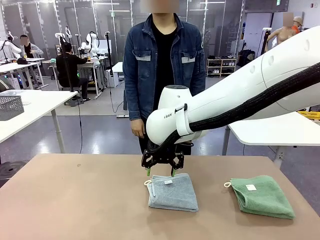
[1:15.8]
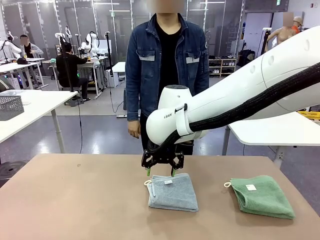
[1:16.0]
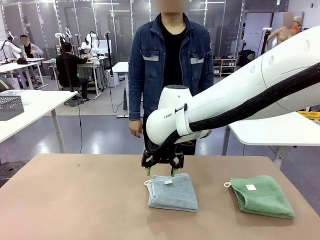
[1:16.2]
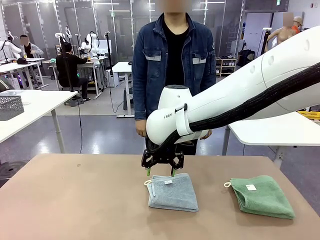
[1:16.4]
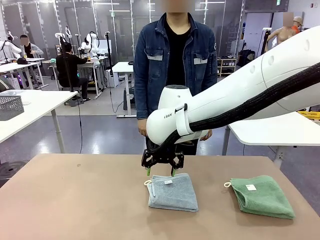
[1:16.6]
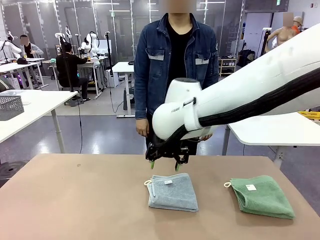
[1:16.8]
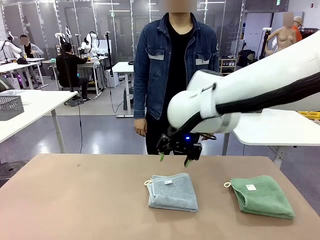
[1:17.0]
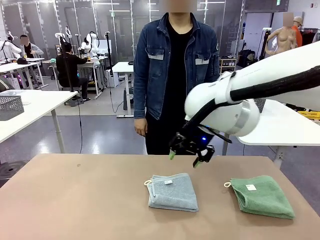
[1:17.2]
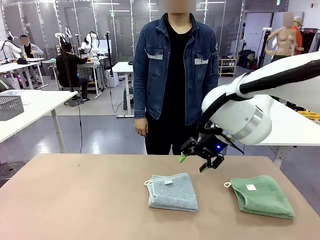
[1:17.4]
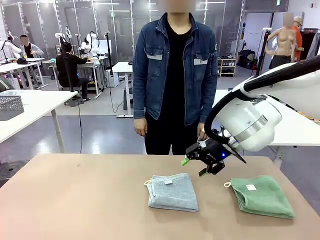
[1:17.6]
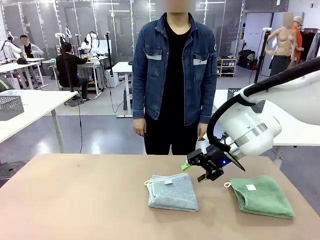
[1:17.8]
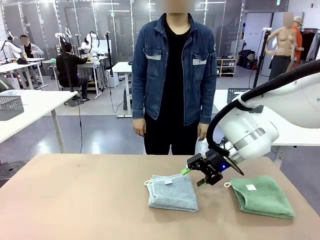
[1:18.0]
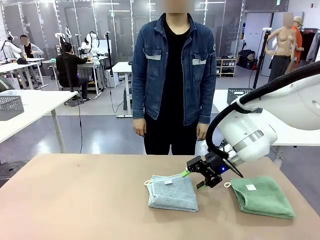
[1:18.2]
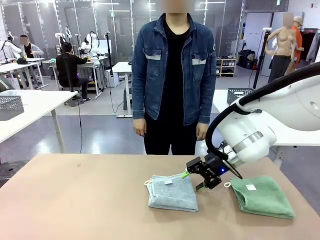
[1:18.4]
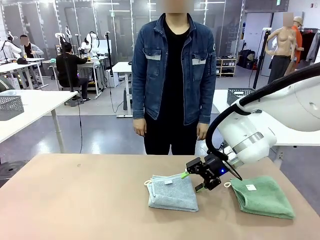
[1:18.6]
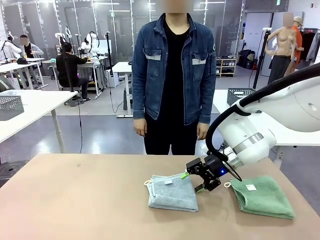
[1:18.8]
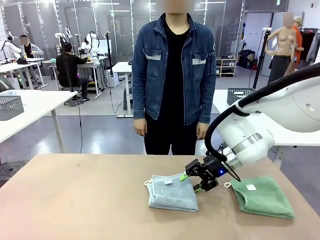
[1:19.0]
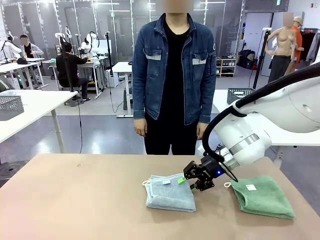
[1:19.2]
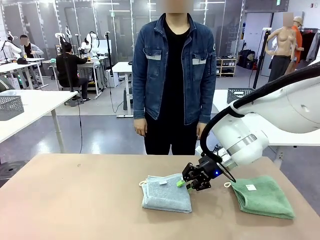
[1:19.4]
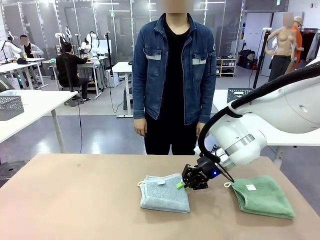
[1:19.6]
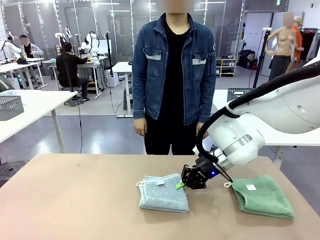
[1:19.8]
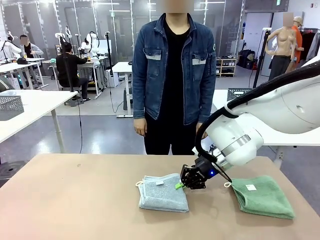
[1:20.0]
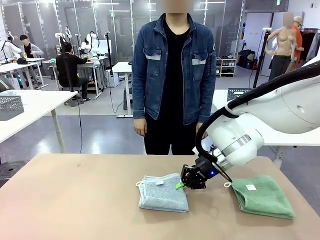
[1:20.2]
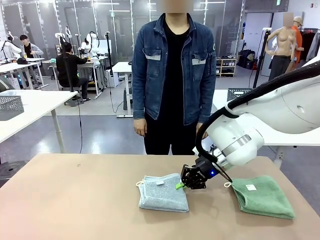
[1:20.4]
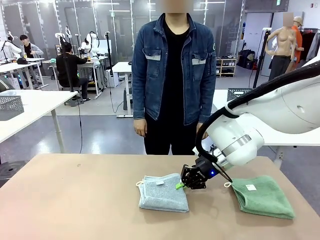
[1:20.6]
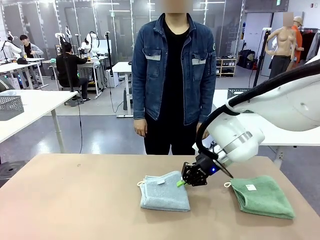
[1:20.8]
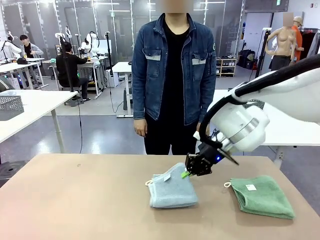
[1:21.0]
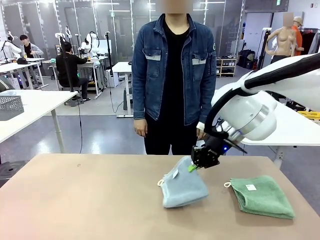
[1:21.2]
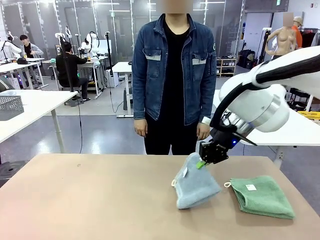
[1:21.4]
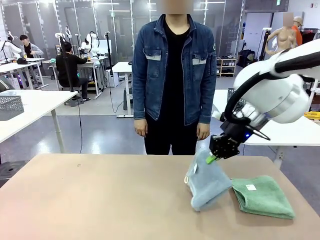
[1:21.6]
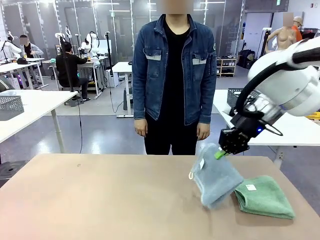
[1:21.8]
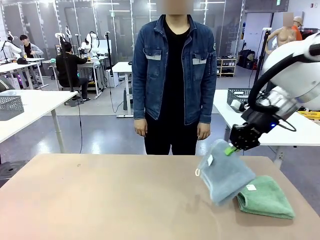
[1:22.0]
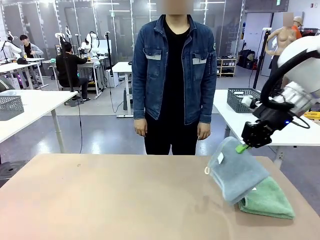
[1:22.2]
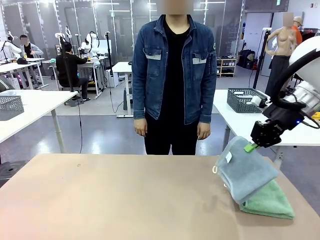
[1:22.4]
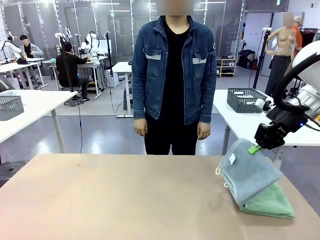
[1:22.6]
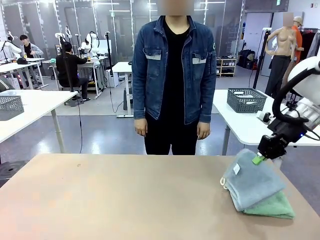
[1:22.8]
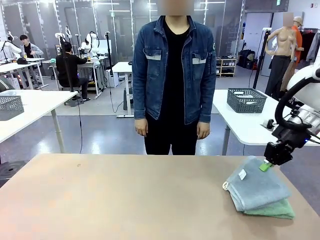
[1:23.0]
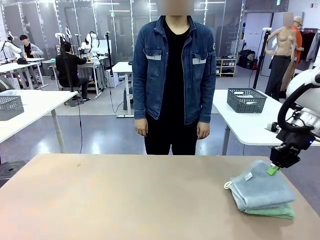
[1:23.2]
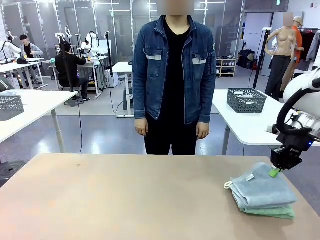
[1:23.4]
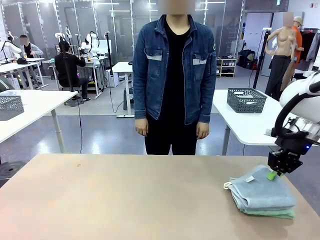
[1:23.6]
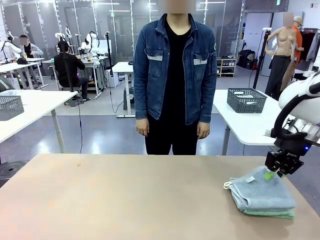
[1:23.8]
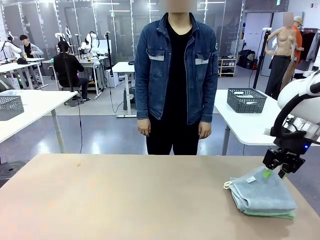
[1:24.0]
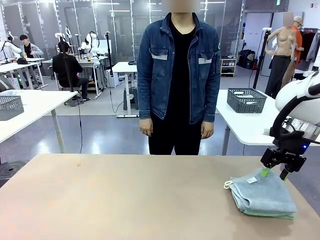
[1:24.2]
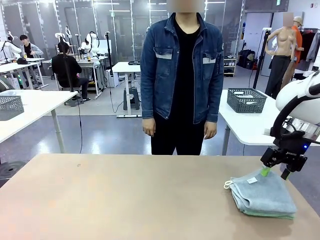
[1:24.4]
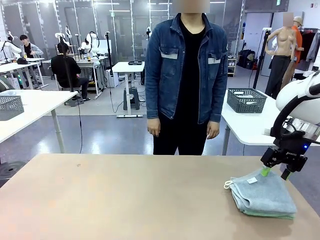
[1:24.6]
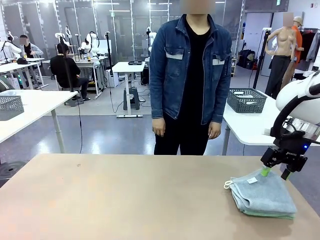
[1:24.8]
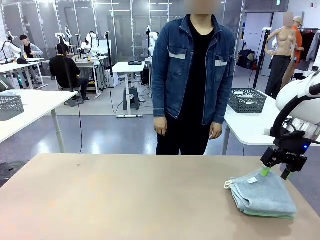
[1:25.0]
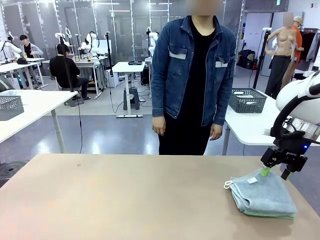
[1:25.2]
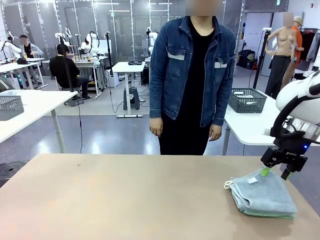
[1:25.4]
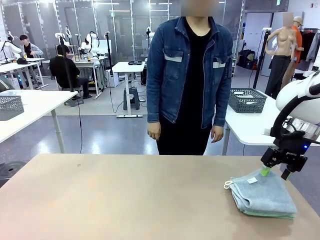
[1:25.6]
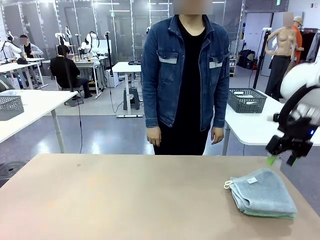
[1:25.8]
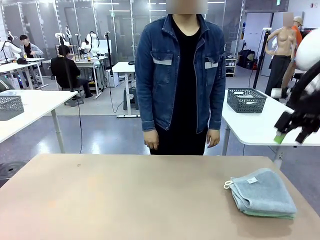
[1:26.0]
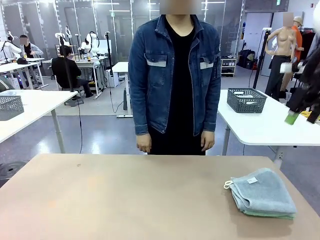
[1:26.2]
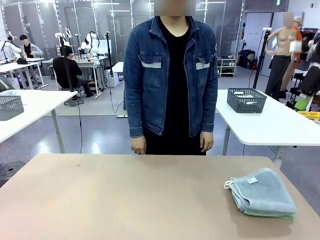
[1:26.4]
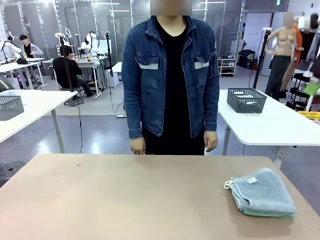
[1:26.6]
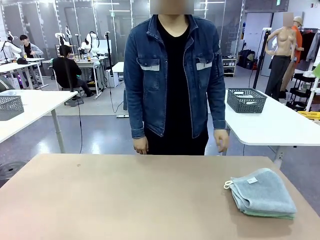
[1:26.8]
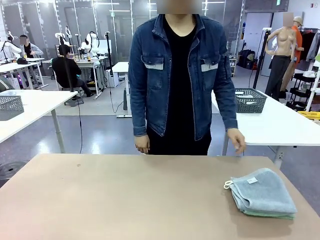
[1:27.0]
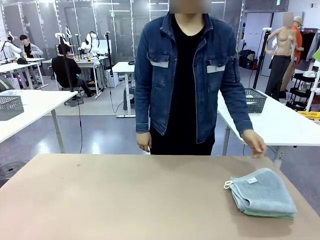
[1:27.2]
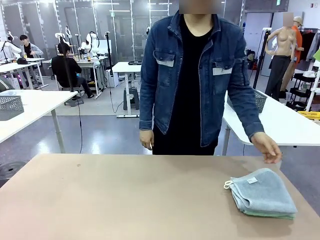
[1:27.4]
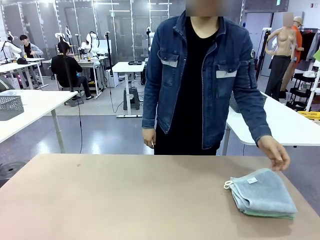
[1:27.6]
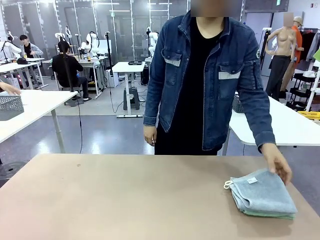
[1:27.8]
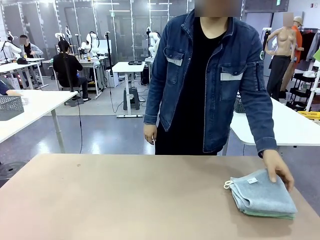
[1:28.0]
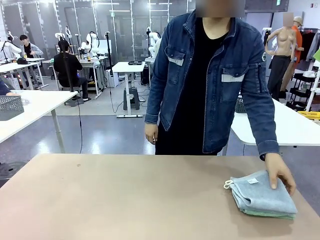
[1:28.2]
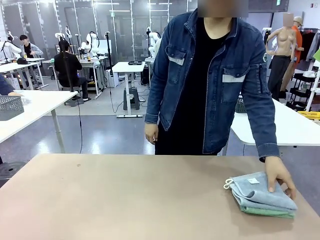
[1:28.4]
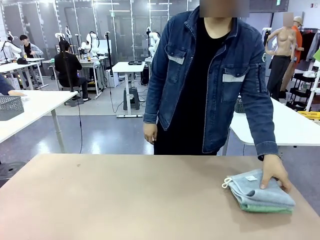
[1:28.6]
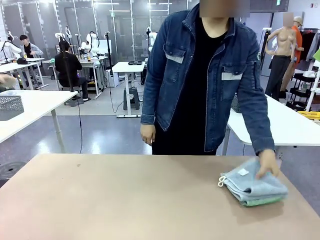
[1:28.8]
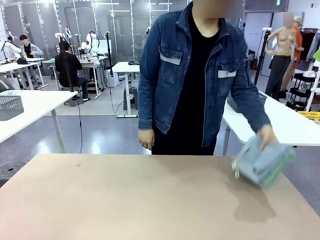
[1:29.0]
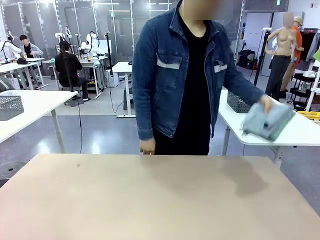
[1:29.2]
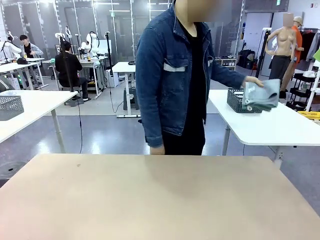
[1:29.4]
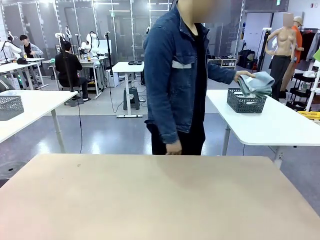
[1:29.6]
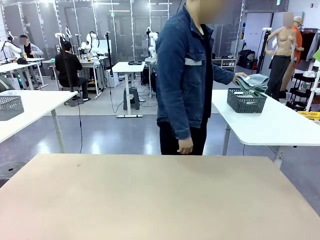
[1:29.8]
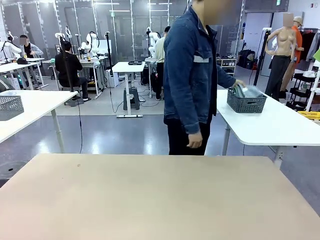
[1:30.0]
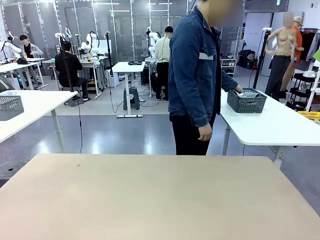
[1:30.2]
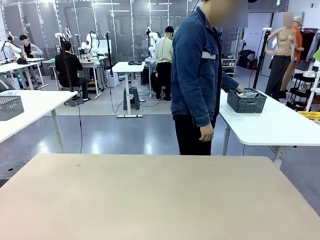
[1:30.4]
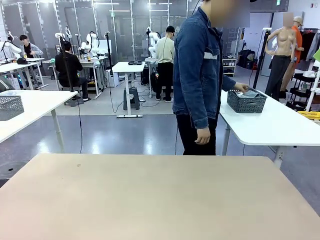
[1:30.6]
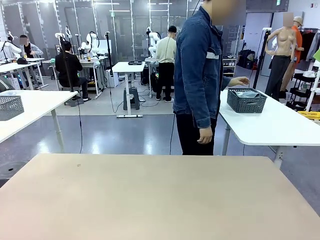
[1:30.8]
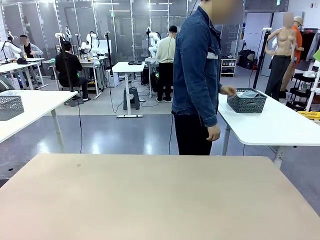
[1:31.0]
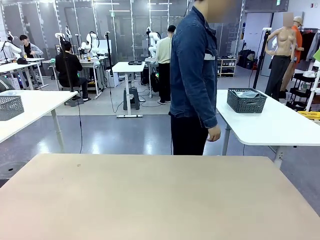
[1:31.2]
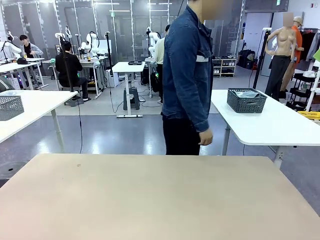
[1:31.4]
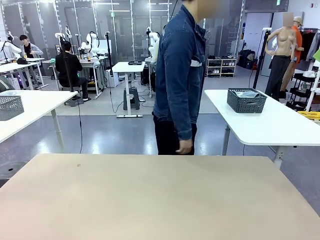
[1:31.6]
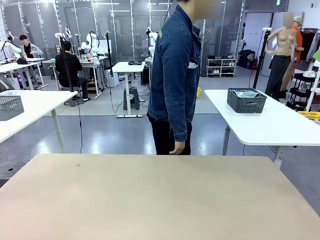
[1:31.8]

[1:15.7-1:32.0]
Task: Fold the towels and place them in the basket.
Robot: Stack the folded Towel with hook on the right side of the table.
Person: Pick up the stack of towels from the robot table and place it into the basket.
